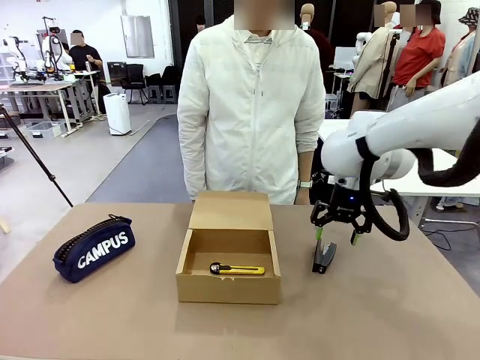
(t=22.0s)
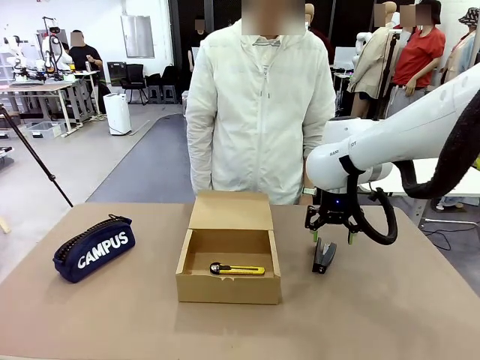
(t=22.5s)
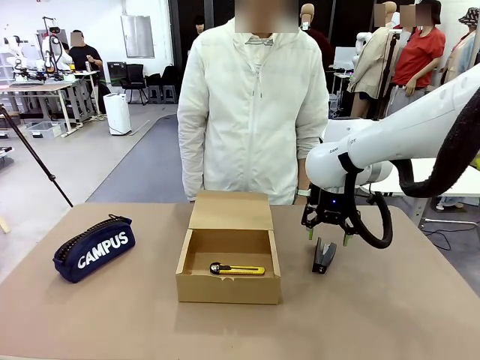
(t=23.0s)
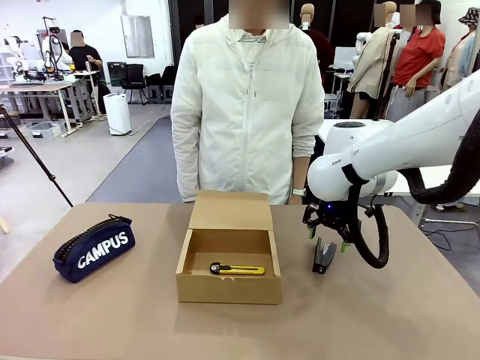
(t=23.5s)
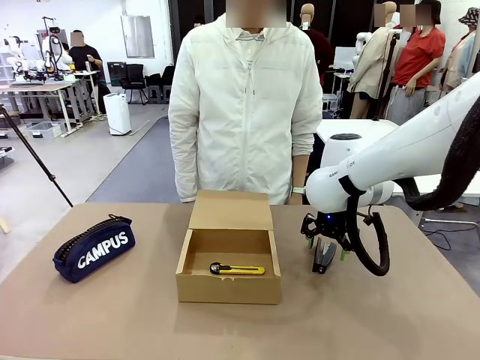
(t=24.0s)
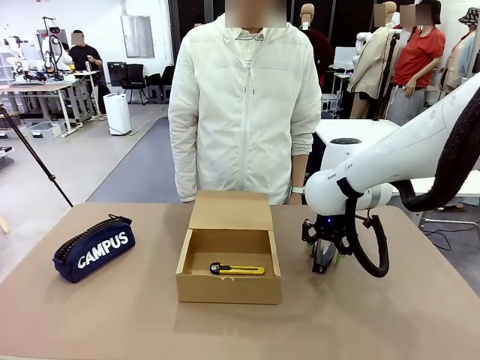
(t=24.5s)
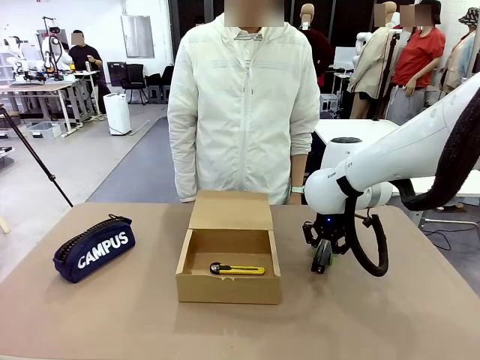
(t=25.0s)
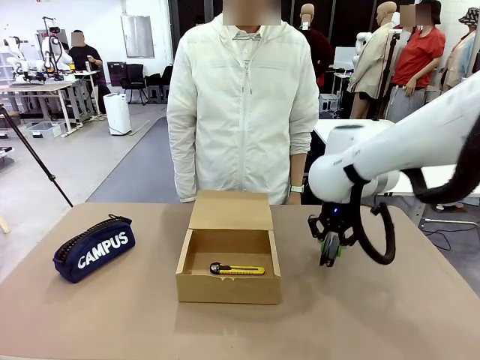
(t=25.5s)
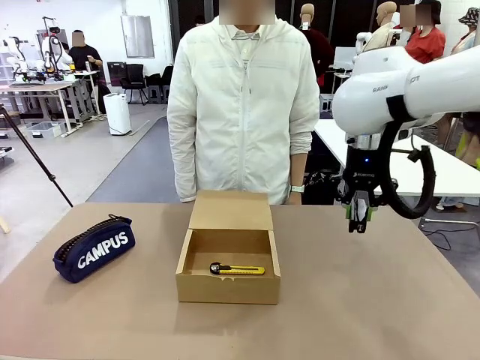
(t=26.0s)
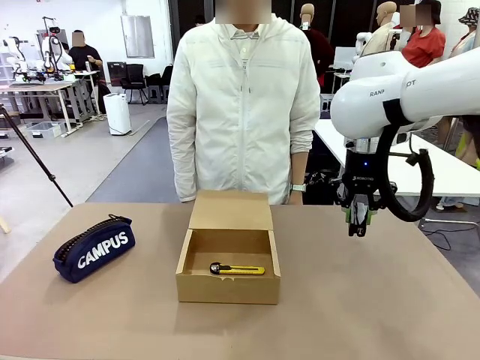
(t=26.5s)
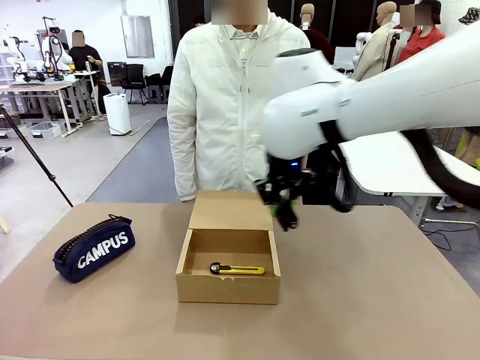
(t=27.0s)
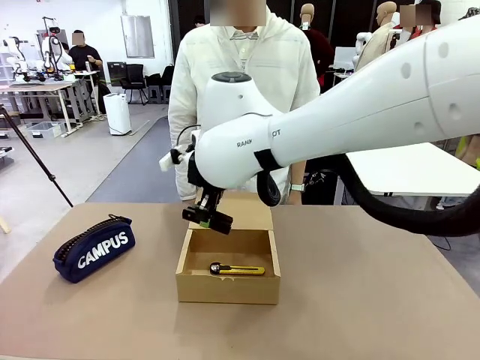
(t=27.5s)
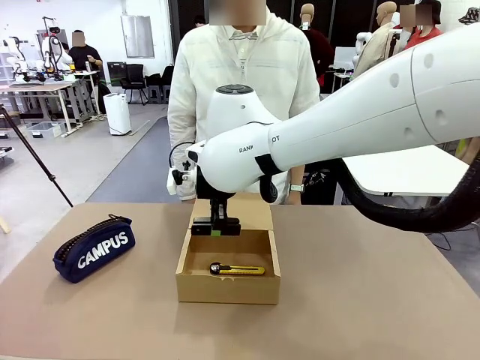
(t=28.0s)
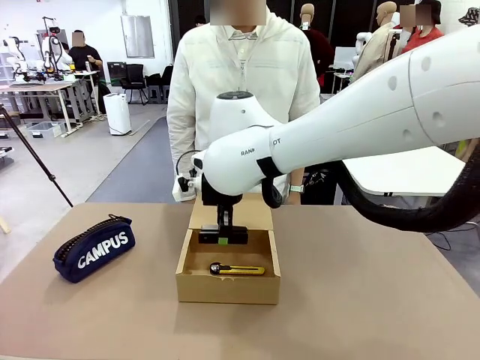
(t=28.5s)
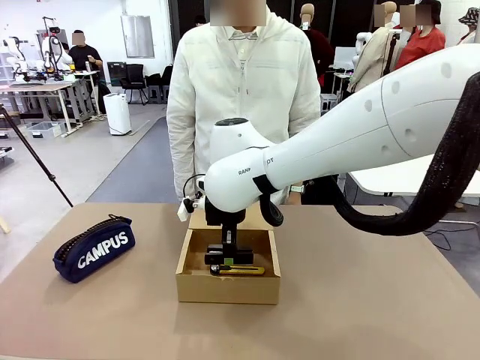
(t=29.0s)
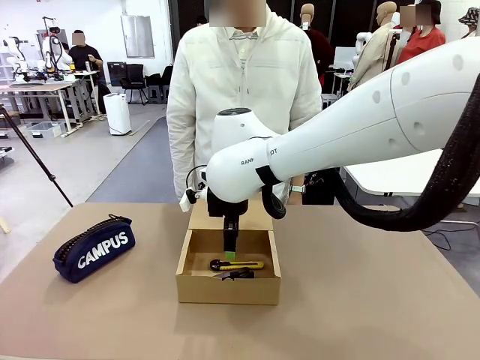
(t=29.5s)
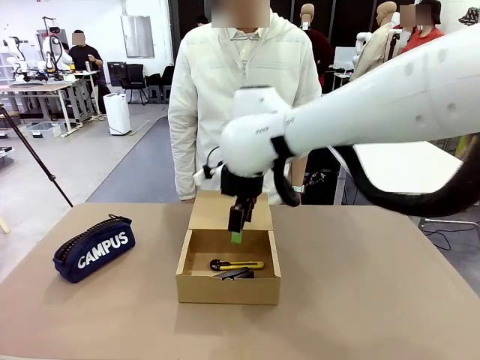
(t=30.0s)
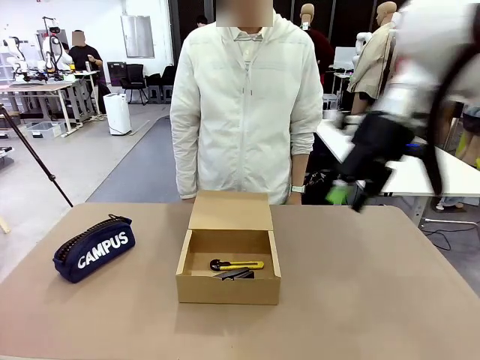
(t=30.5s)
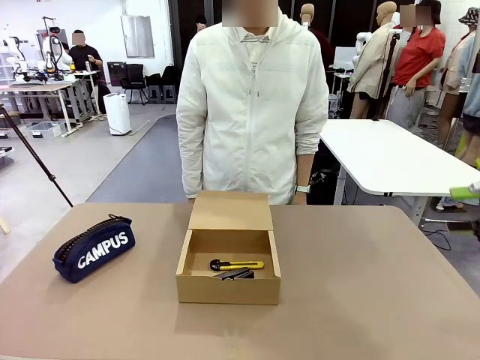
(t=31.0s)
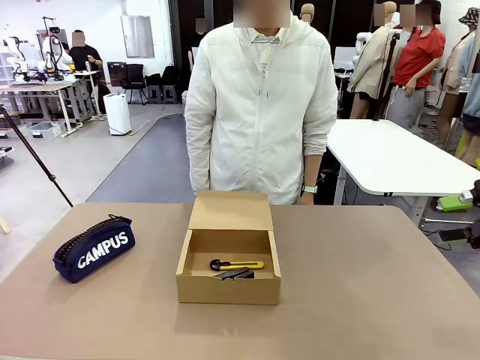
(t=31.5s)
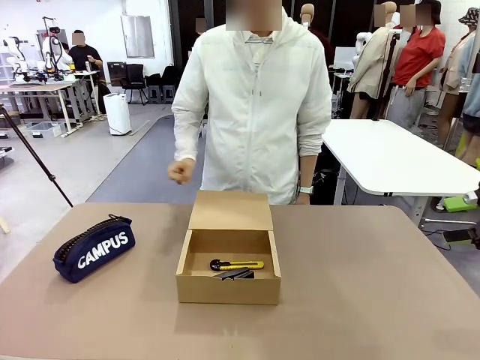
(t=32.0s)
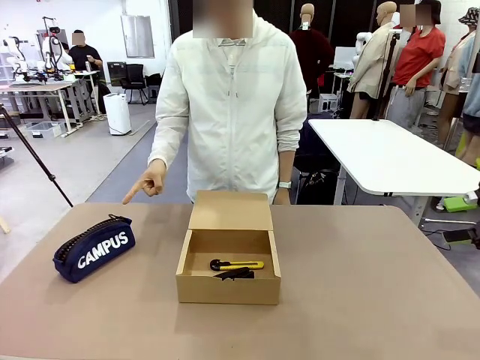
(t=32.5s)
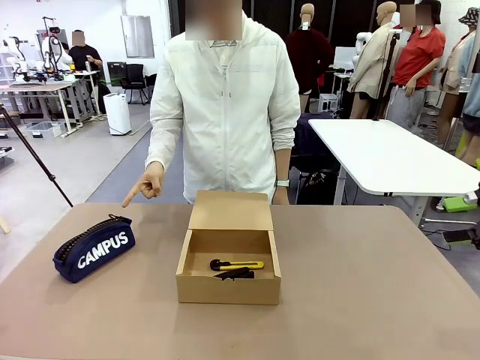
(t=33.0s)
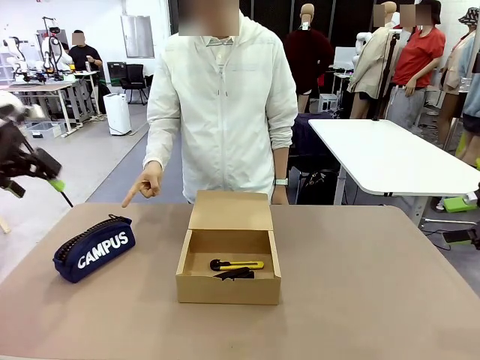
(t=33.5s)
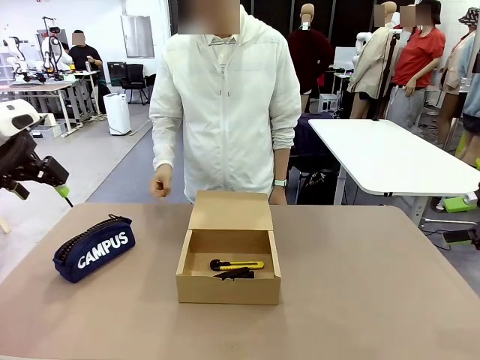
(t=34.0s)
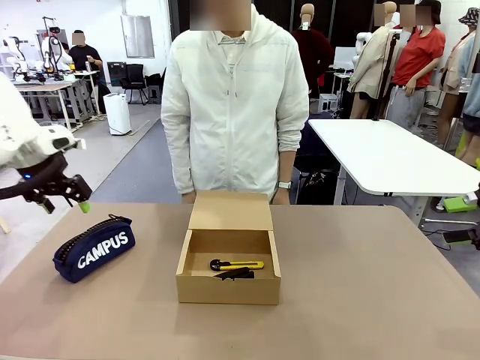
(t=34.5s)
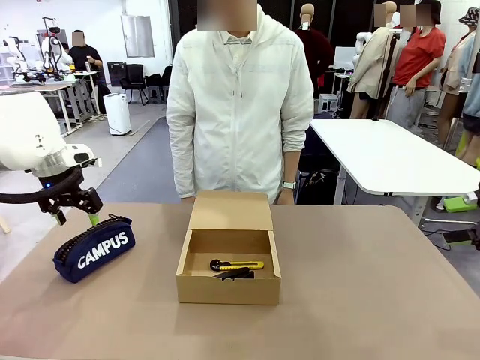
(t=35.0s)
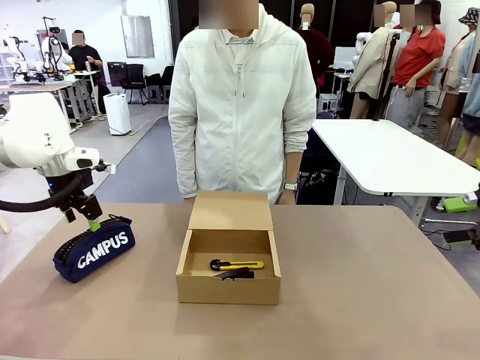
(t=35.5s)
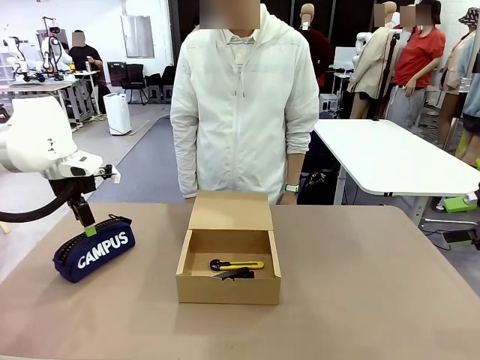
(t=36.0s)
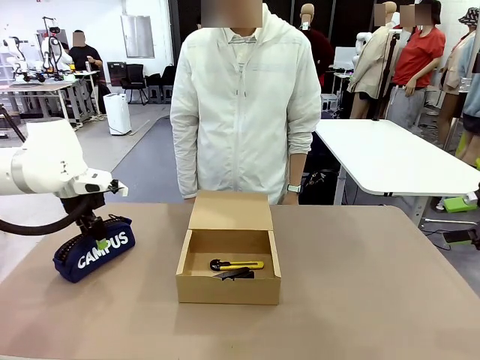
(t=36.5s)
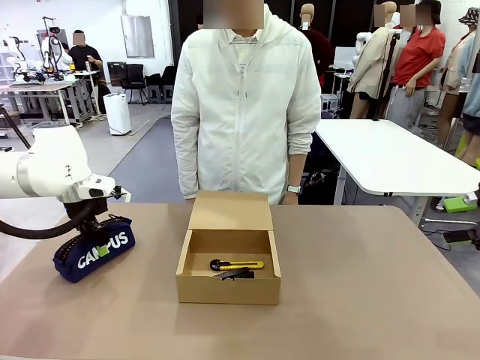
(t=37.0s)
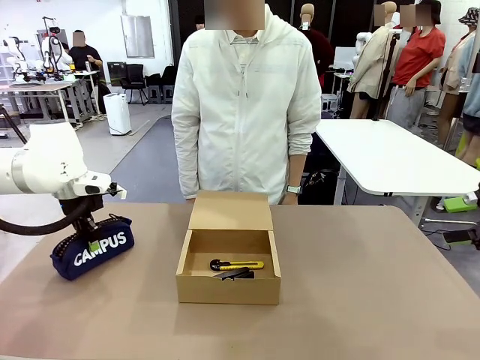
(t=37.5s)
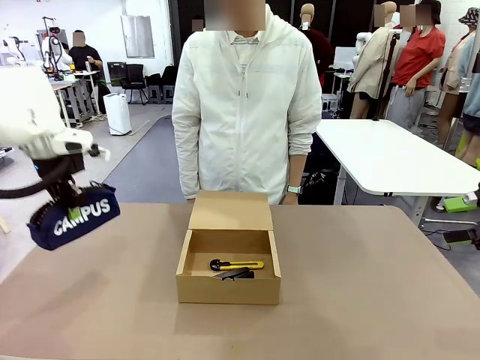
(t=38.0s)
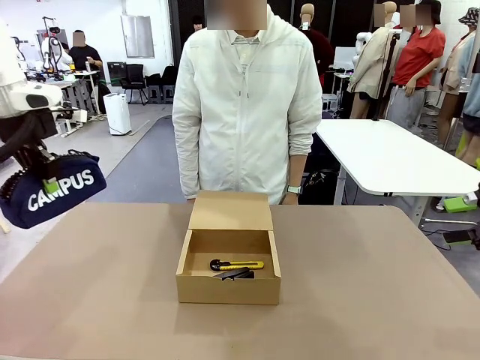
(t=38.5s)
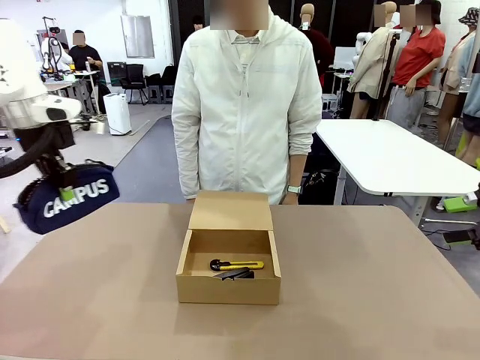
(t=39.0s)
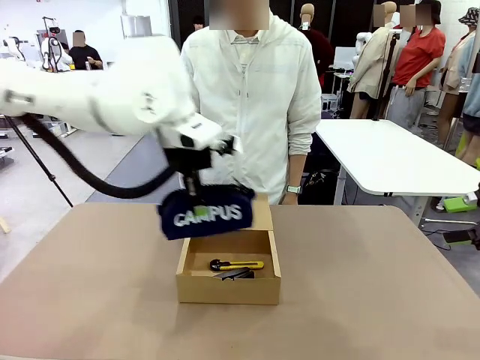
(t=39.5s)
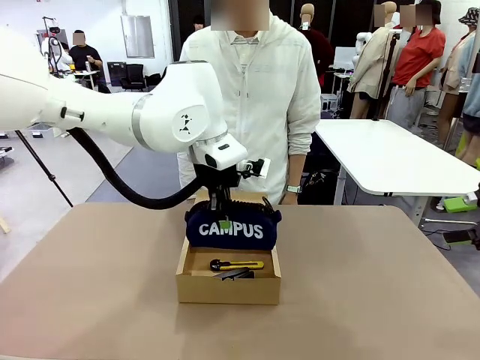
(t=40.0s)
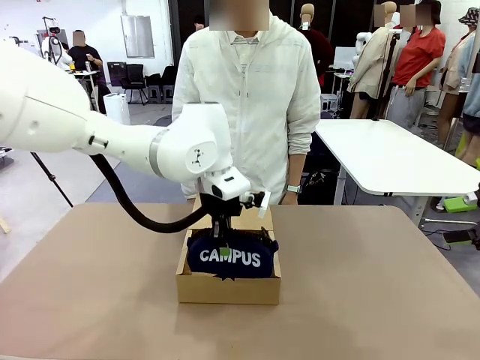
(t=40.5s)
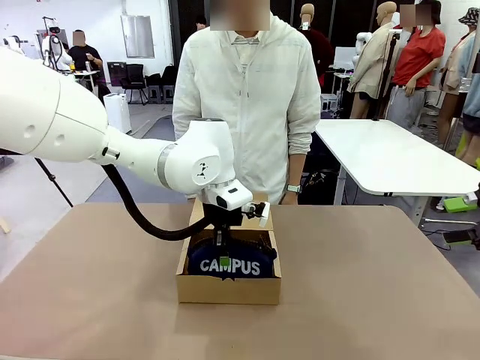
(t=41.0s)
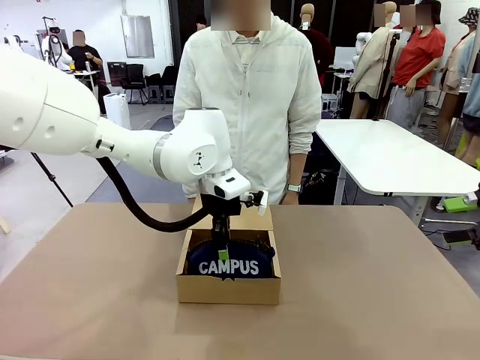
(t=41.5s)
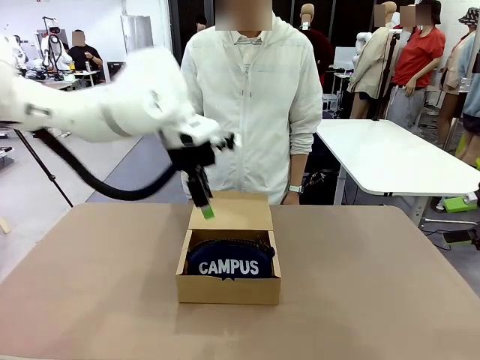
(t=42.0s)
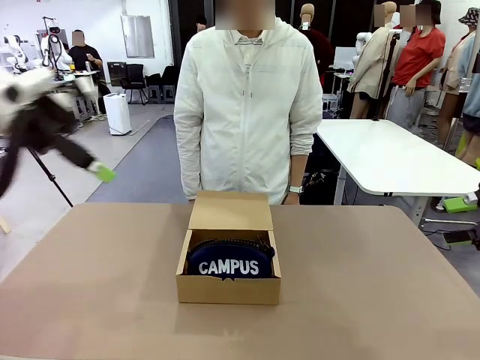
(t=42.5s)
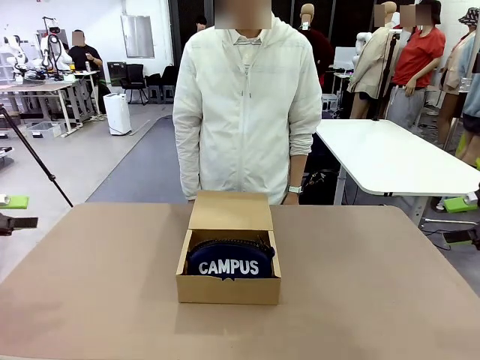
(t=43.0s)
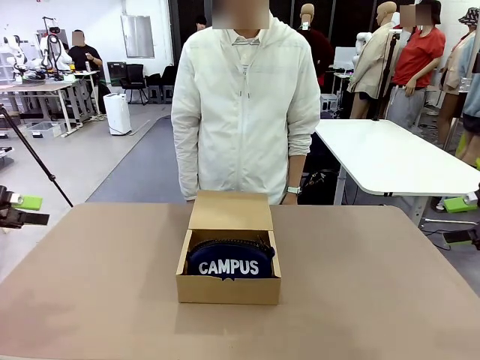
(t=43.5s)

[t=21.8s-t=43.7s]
Task: Pack the items into the box.
Robot: Pick up the item indicated by the person and place it inside the Mailer Box.
Person: Lower both hands vertically with palms facing downward, as if pressing something closed.
